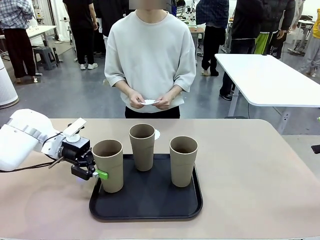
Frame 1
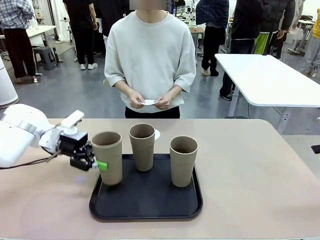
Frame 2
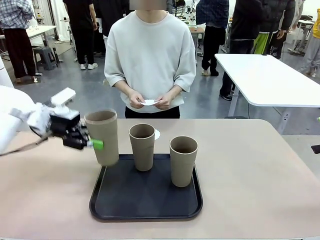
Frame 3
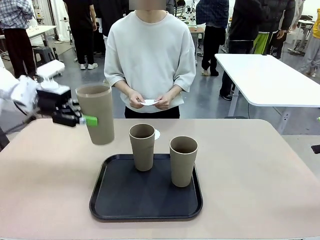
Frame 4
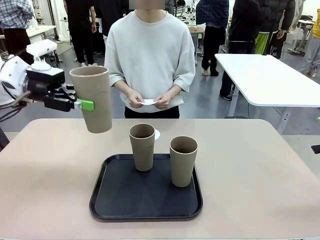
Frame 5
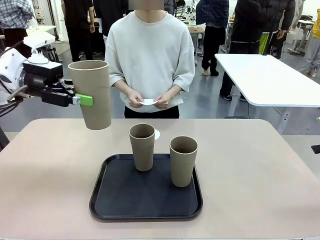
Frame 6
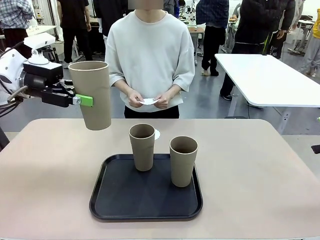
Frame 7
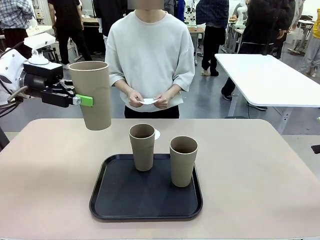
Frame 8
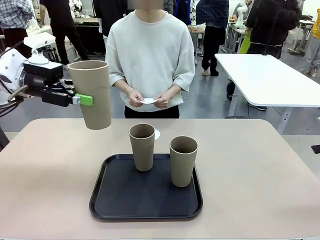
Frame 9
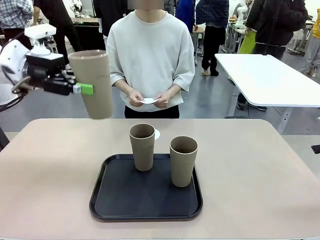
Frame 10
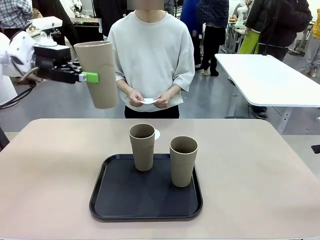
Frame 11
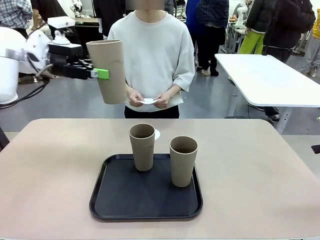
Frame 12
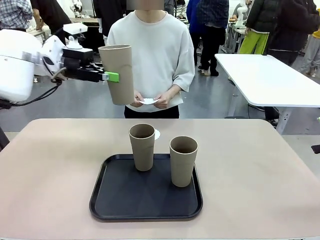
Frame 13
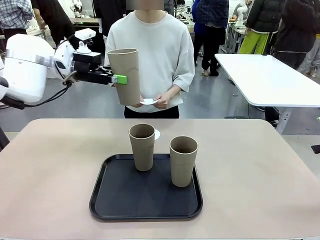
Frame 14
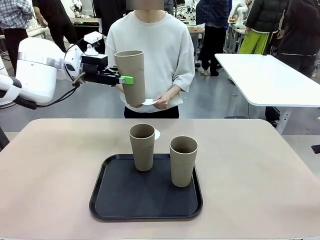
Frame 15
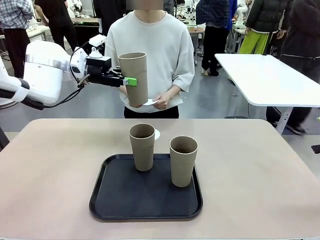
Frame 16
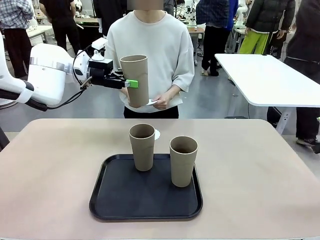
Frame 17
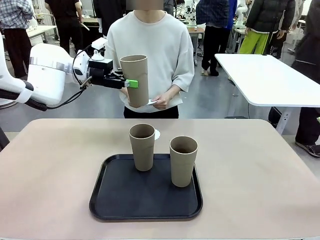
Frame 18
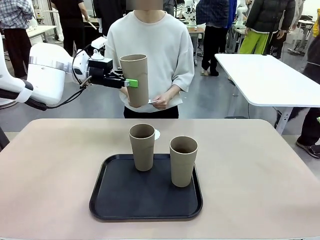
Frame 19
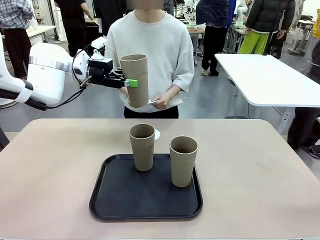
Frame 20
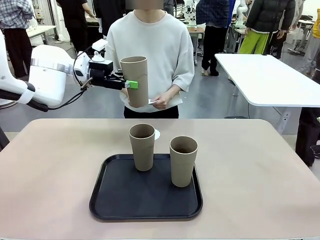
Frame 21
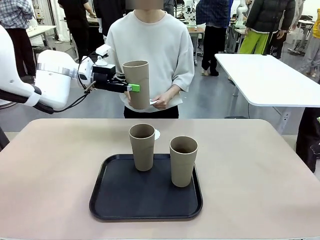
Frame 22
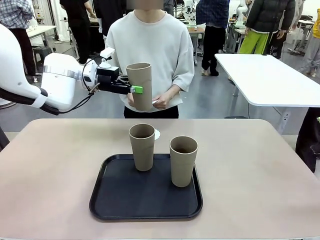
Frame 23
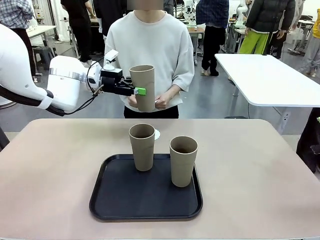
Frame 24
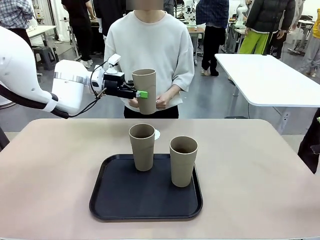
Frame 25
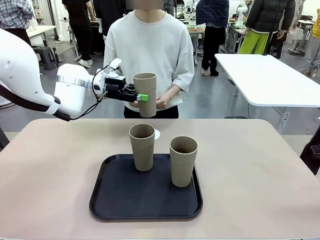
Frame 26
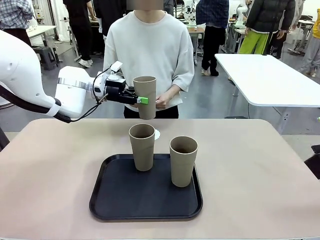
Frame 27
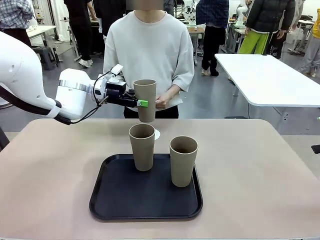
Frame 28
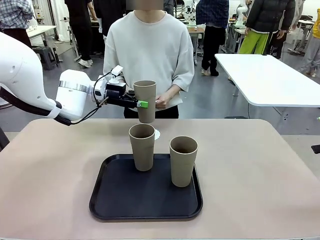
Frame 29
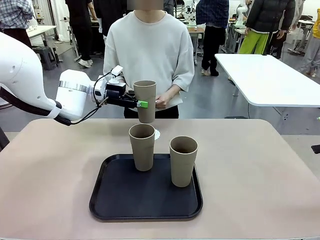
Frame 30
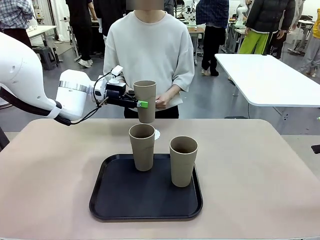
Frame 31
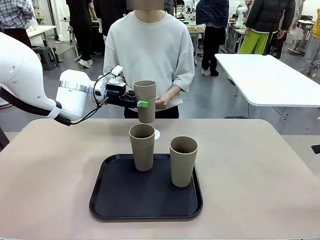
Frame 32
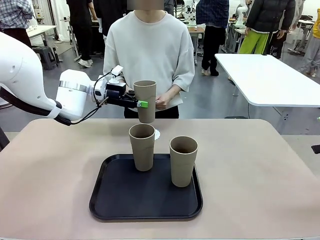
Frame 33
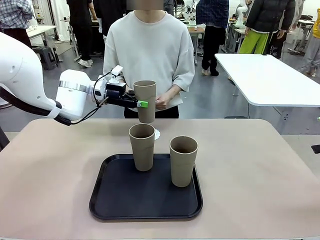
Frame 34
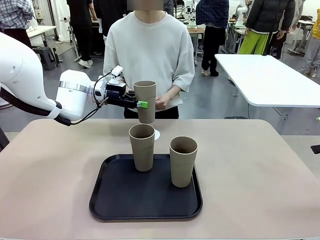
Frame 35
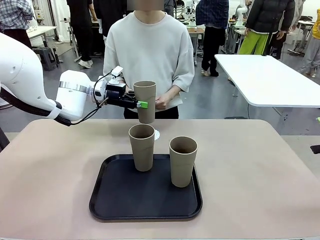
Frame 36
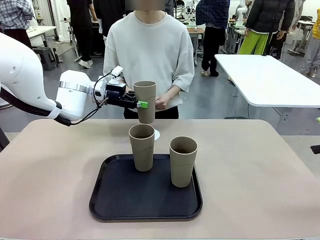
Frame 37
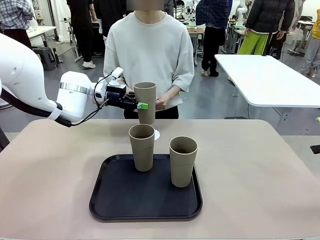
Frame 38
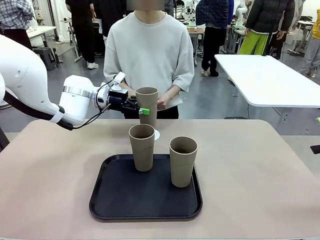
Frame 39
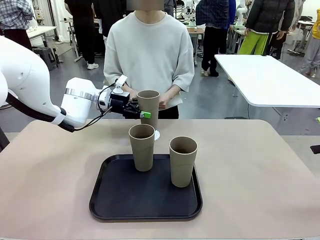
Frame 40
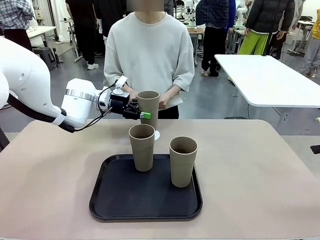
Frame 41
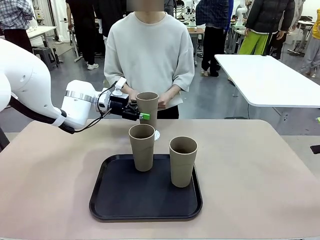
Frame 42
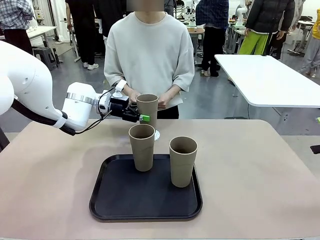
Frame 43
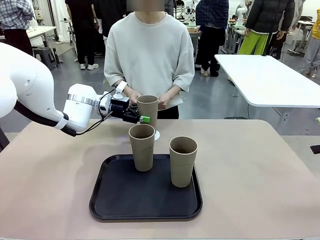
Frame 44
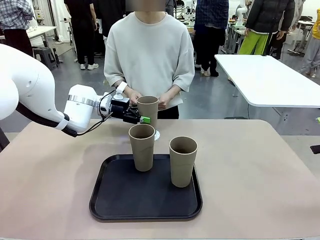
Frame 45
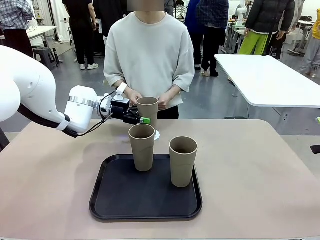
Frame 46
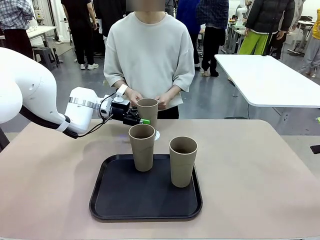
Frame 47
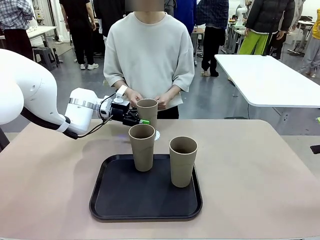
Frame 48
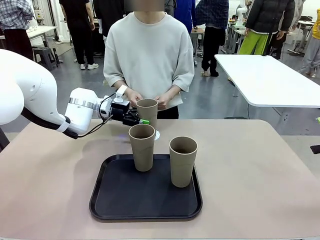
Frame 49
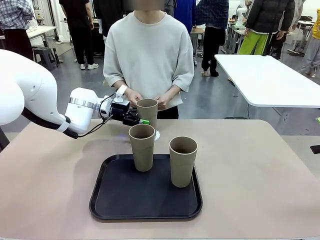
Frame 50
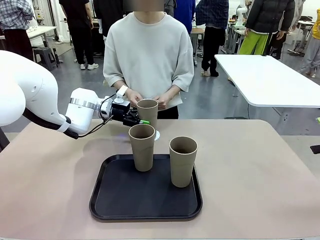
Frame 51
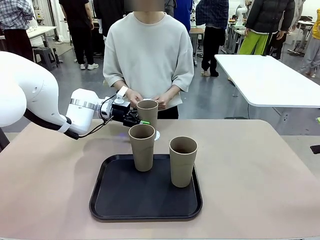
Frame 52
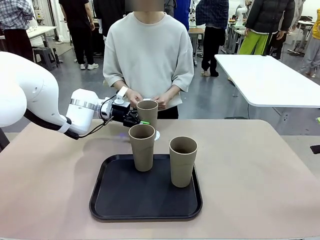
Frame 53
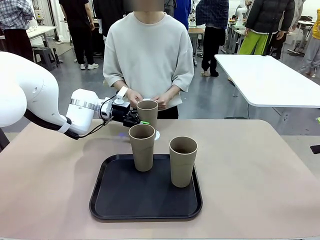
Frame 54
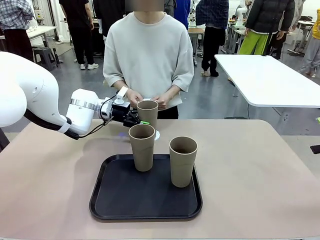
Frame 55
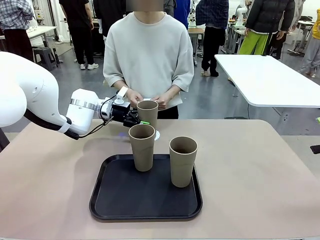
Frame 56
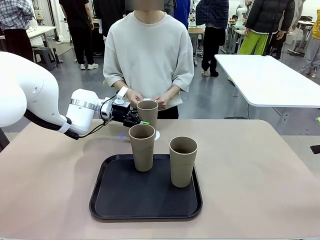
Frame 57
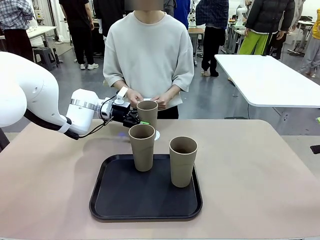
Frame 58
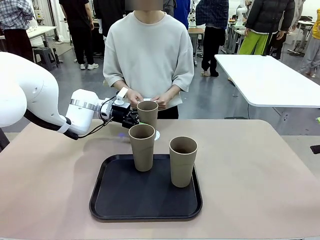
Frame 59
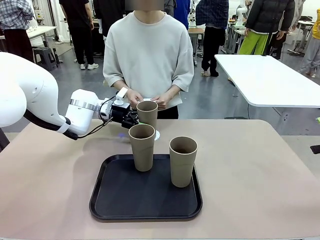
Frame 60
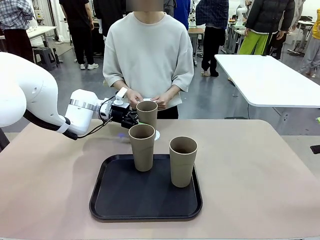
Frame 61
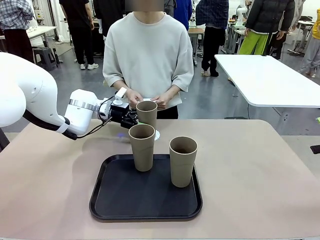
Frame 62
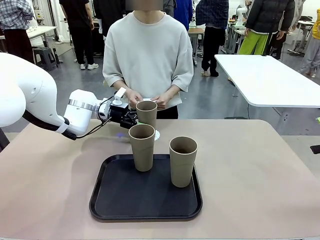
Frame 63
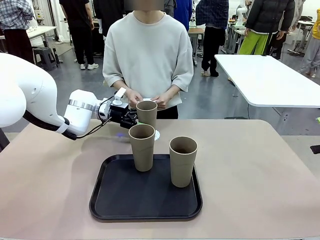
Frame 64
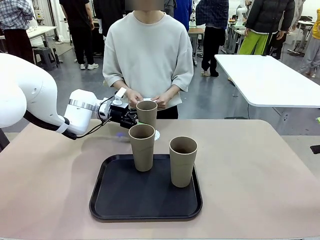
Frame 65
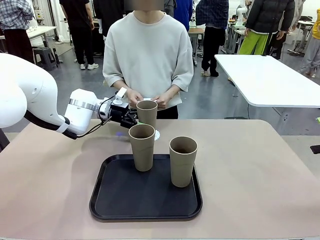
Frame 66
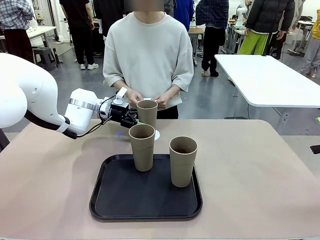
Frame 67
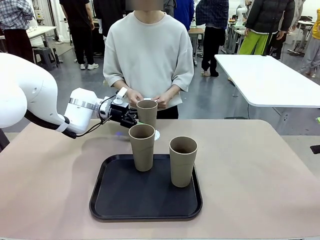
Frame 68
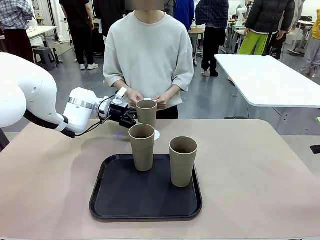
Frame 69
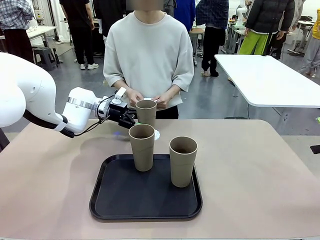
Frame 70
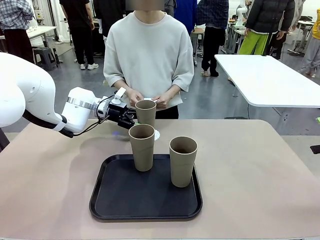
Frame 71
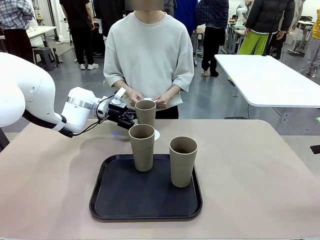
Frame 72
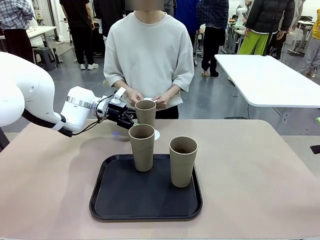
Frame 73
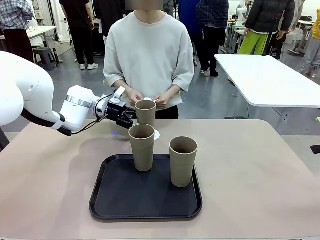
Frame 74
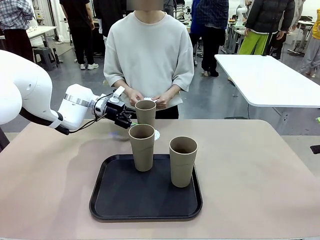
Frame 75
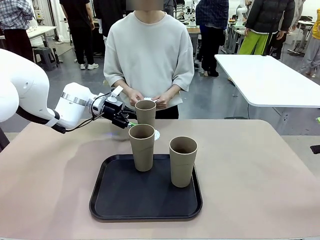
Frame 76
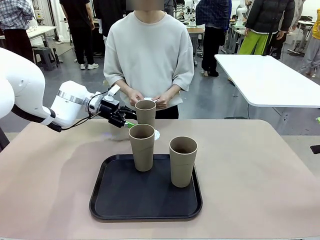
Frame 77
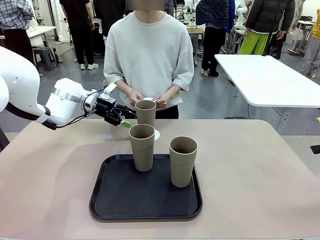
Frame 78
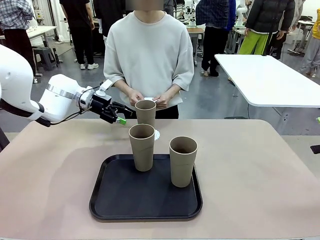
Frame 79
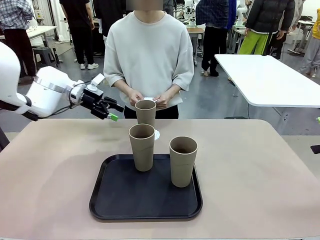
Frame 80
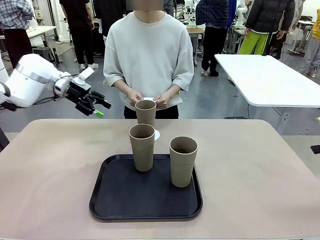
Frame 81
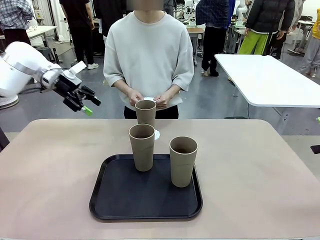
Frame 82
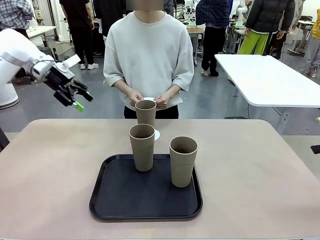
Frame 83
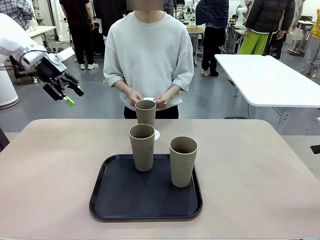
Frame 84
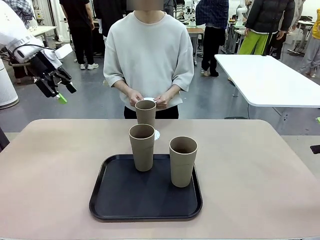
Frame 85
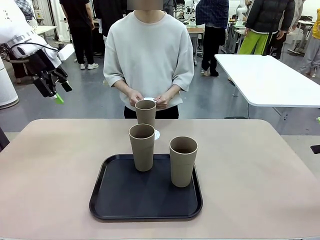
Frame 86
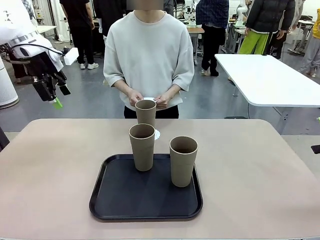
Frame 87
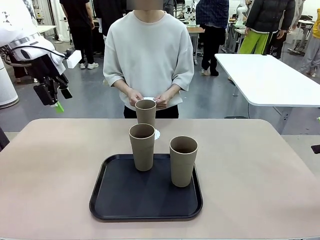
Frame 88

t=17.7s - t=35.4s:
Task: Place coasters on the table and set cups on them.
Robot: Pick up one Reusable plastic cup and place it on a coaster set by the human.
Person: Place one coaster in one of the two areas excluding the previously selected area.
